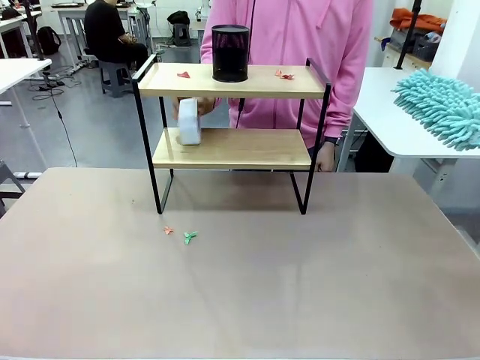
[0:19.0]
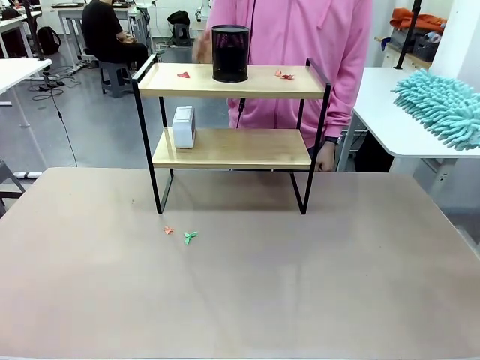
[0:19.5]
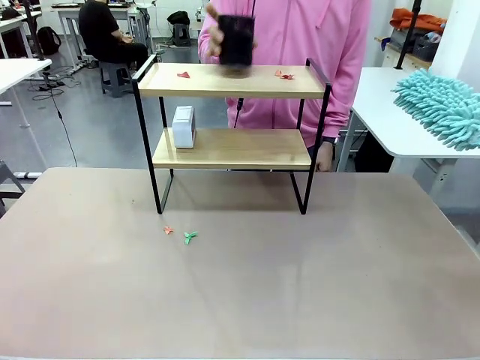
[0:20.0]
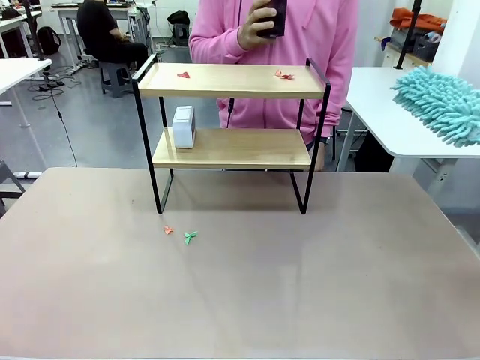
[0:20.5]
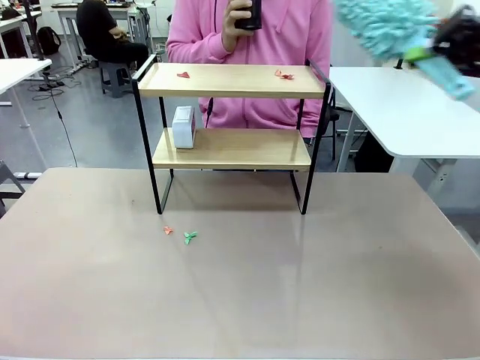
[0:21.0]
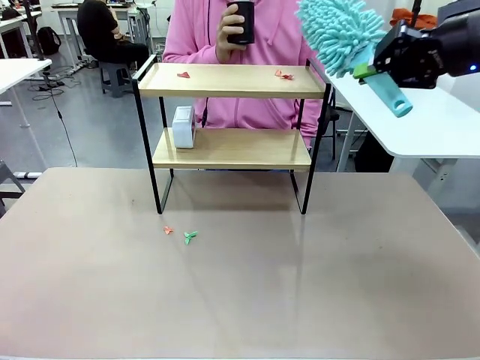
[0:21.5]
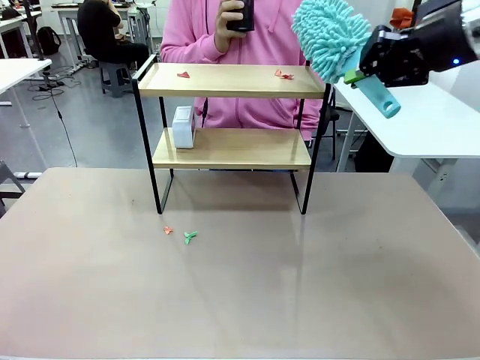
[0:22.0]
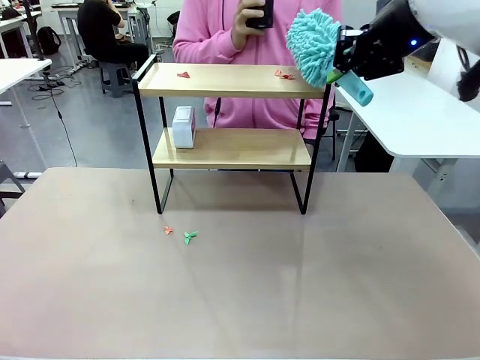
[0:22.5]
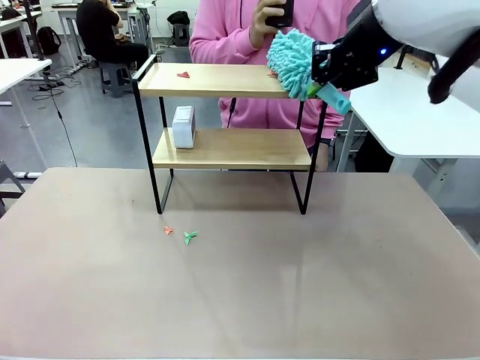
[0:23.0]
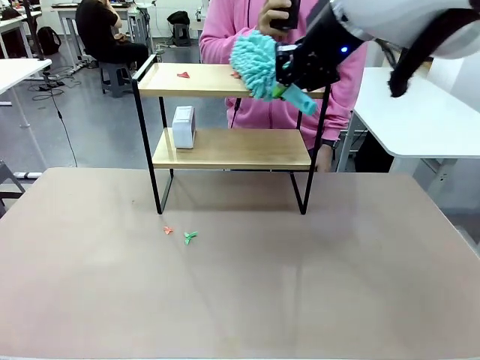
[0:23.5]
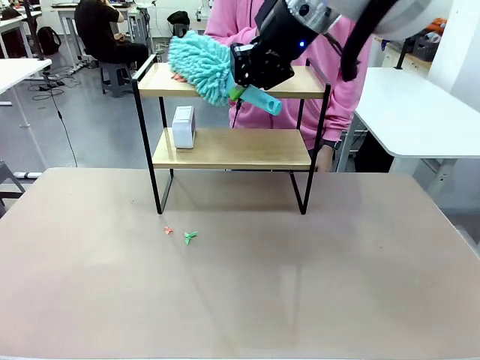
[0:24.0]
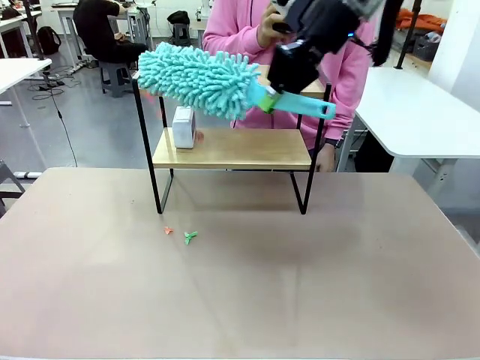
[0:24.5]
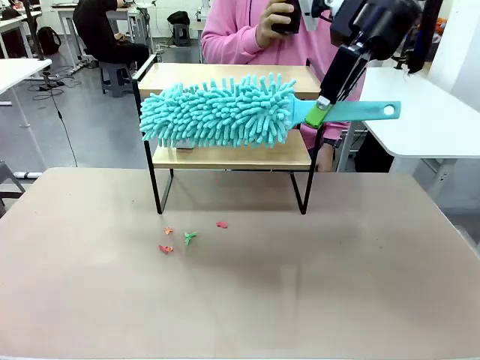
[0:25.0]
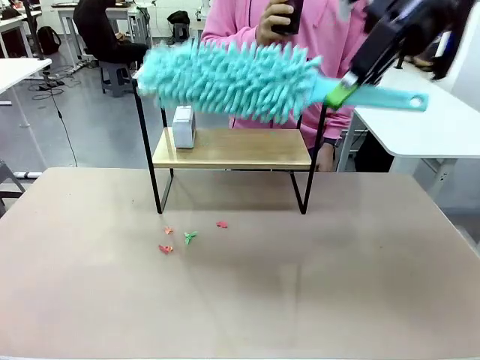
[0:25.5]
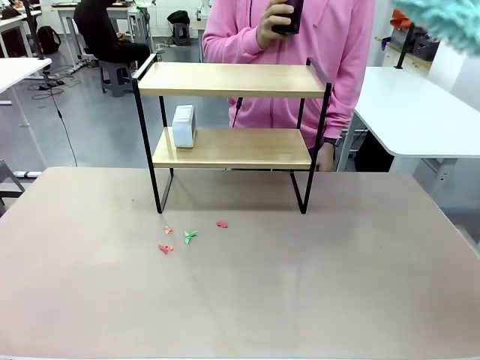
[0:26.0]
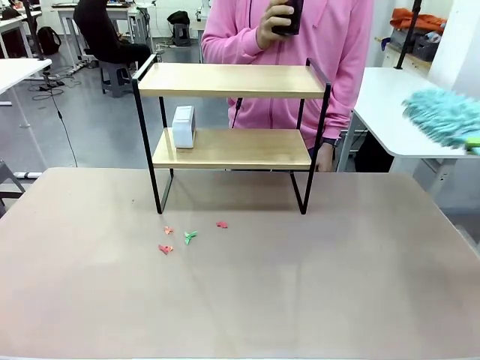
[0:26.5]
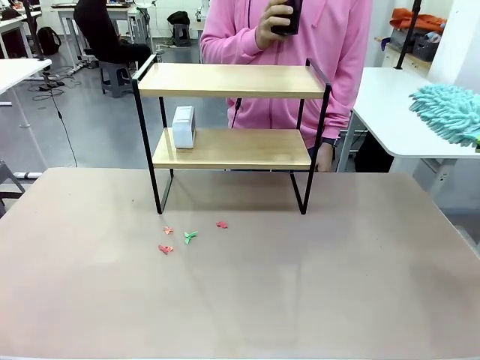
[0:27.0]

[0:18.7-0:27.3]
Task: Clean the shelf.
Robot: Clean the remaining tier of the Shelf with the Duster once objects are removed.

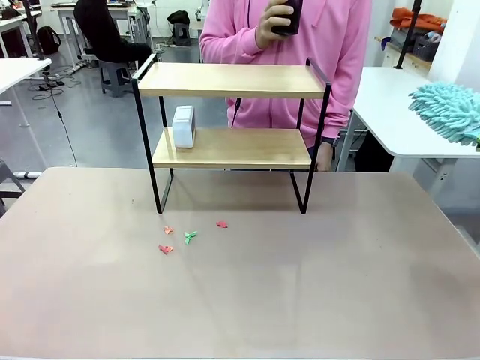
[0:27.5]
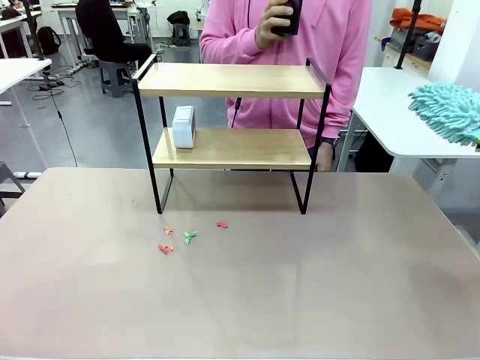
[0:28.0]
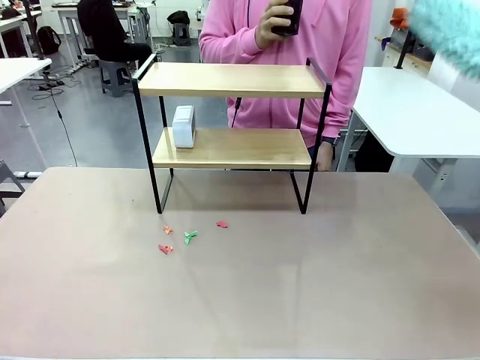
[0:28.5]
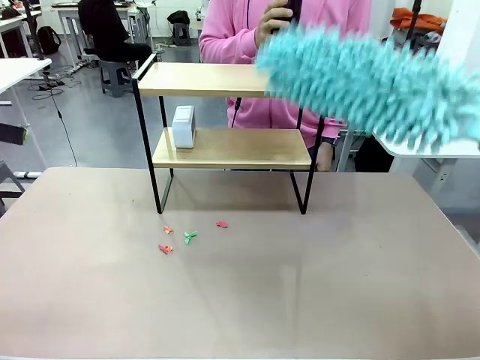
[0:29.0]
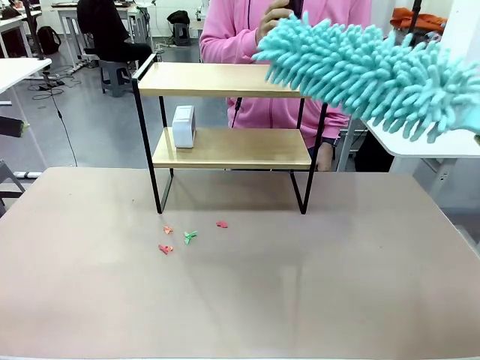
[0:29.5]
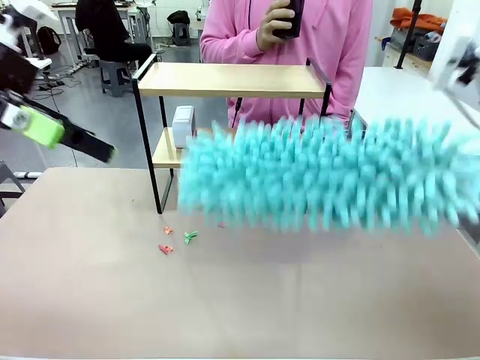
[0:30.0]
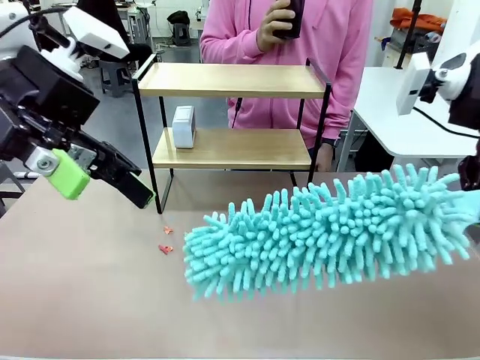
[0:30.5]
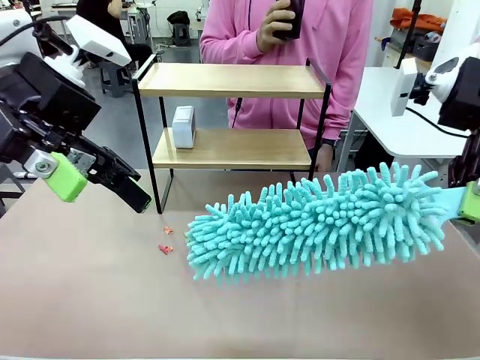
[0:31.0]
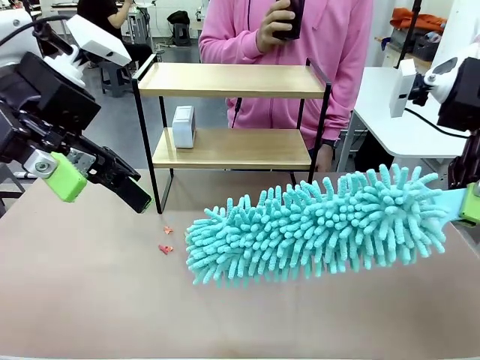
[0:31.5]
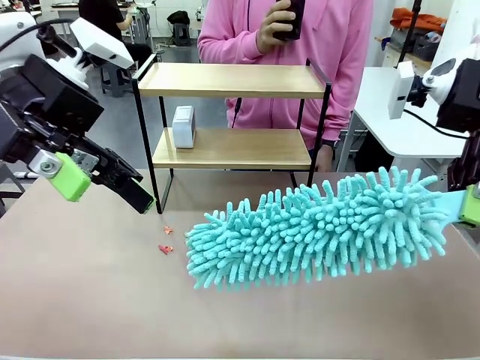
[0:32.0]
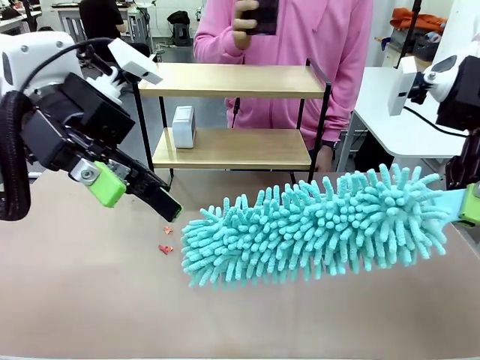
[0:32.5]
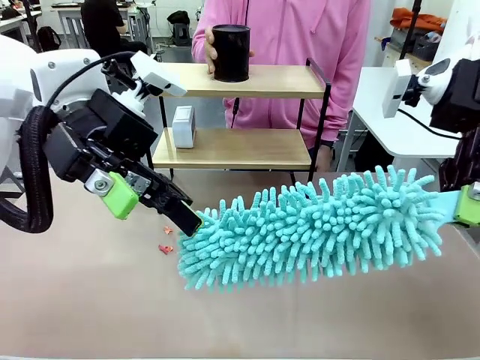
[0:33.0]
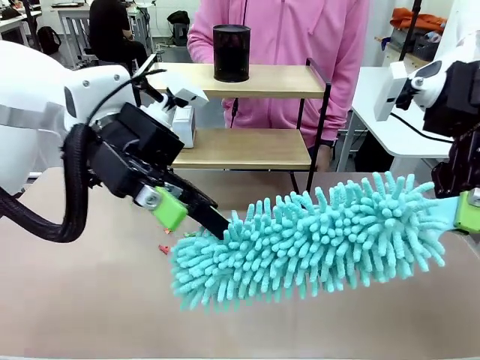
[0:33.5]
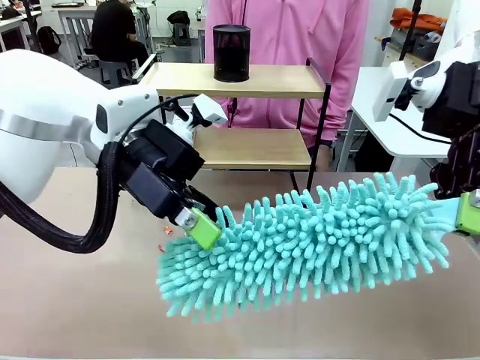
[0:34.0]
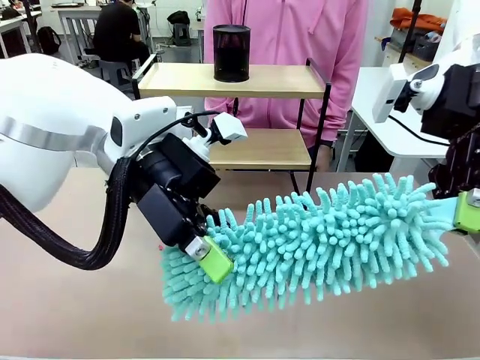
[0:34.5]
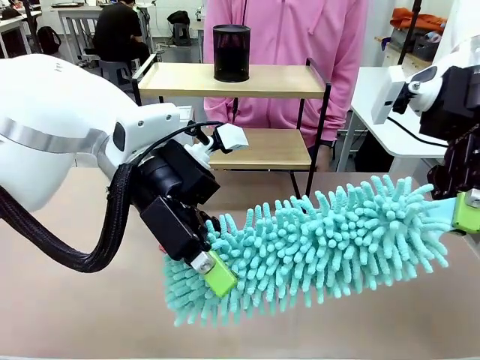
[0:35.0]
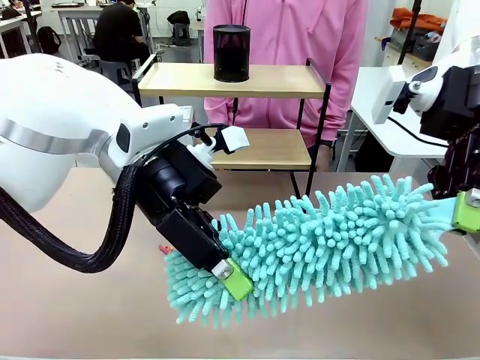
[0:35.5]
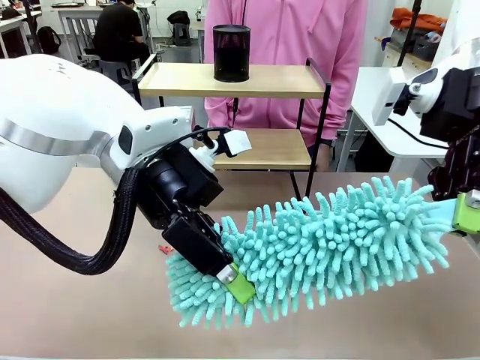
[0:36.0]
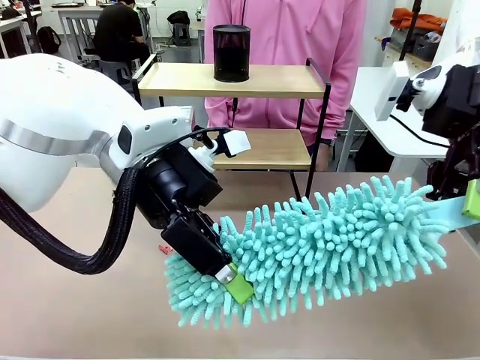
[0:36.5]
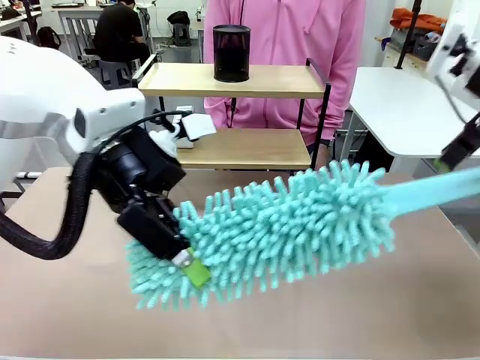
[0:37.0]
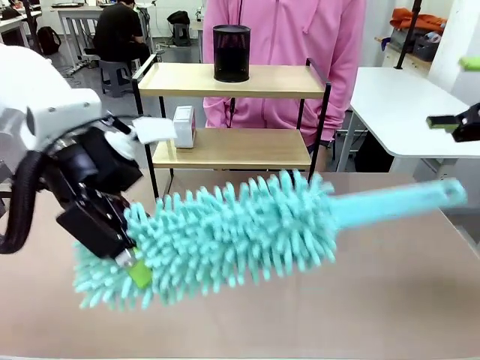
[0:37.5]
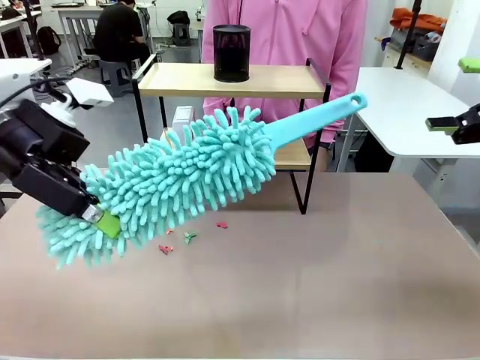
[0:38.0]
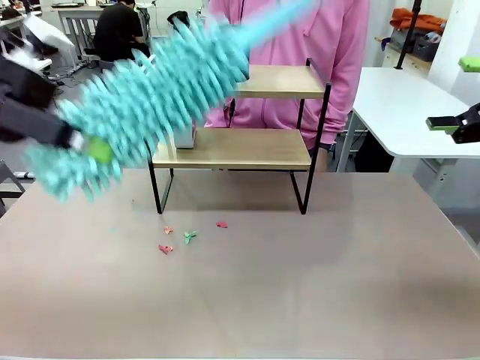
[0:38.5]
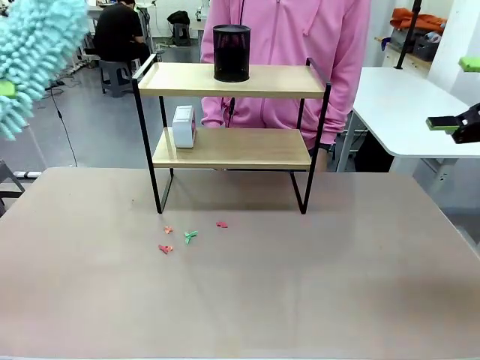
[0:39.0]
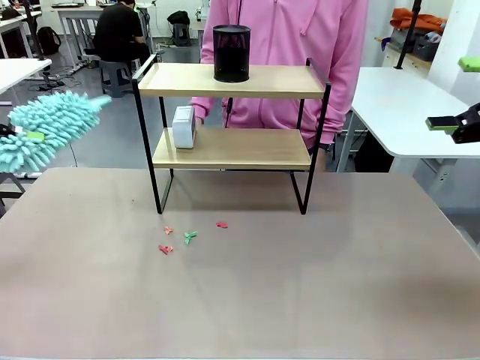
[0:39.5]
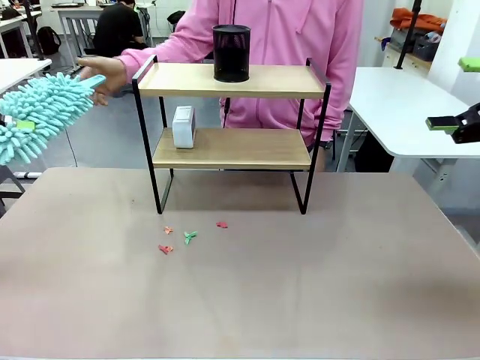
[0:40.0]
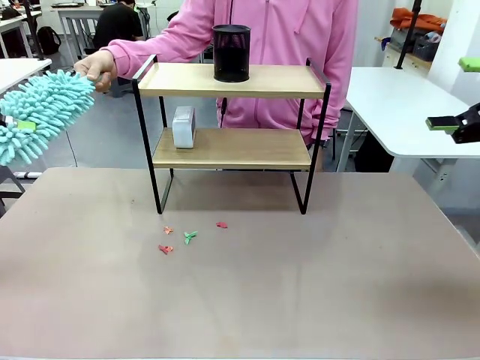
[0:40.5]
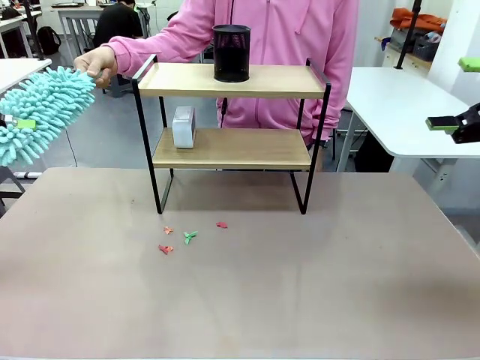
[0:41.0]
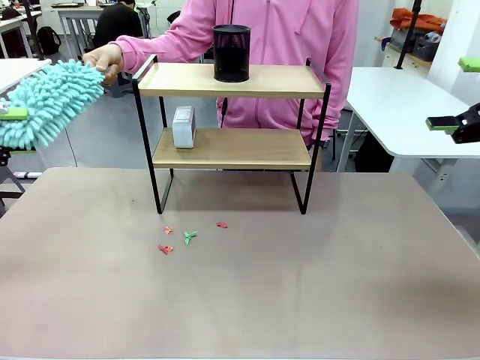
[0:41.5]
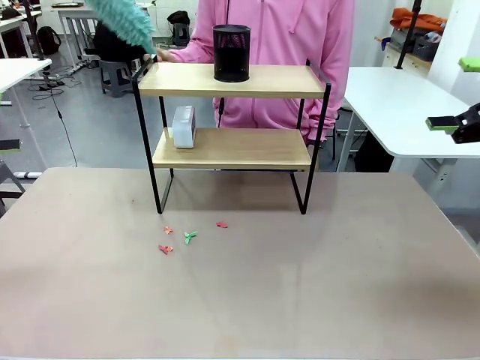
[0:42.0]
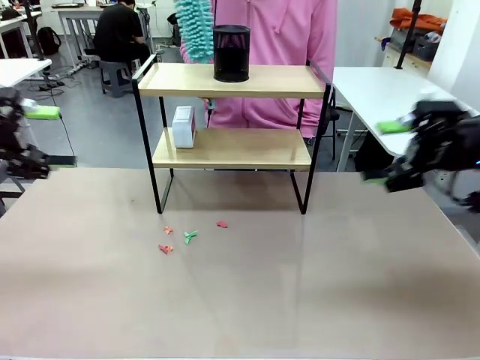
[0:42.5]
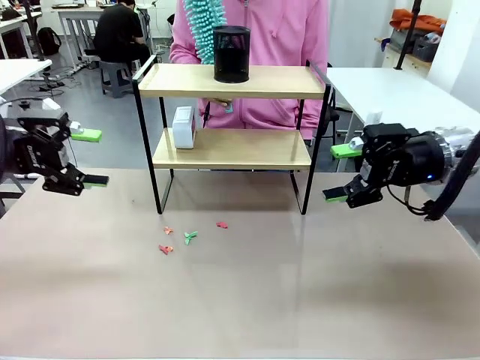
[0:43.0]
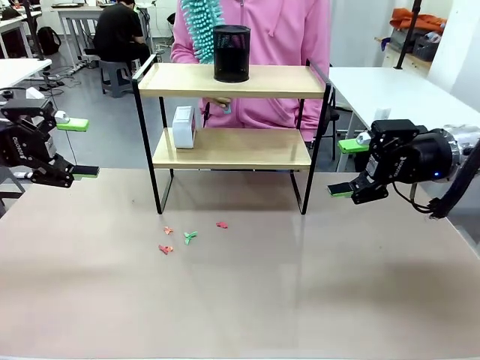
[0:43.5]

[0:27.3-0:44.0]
Robot: Hand the Duster back to the human.
Person: Receive the Duster from the robot.
